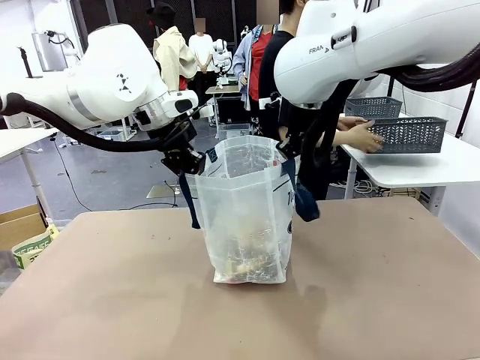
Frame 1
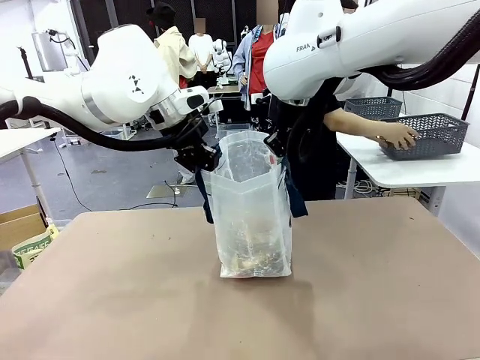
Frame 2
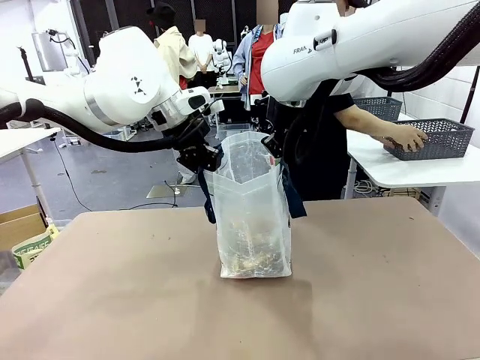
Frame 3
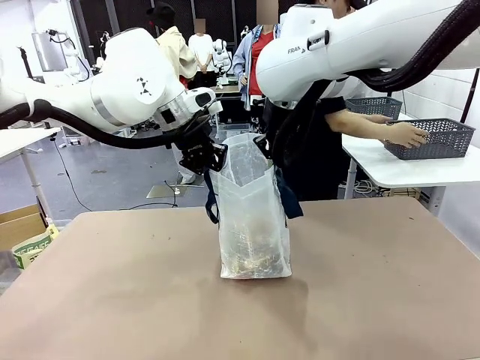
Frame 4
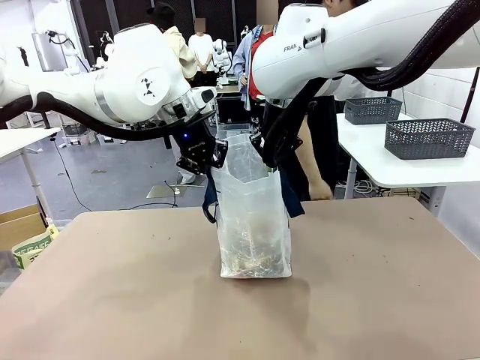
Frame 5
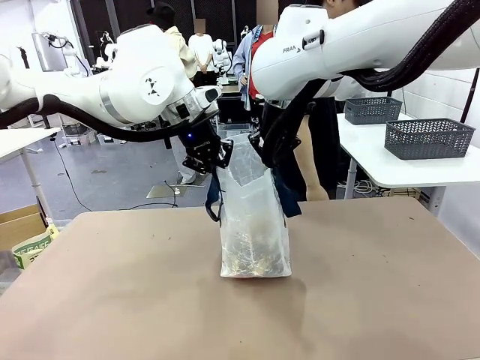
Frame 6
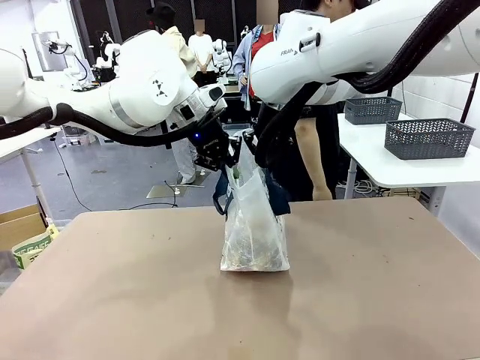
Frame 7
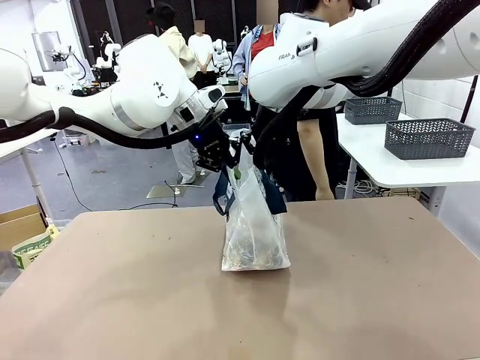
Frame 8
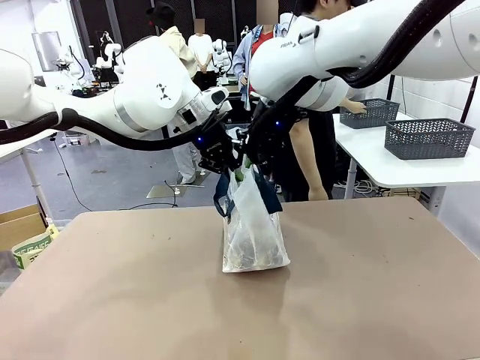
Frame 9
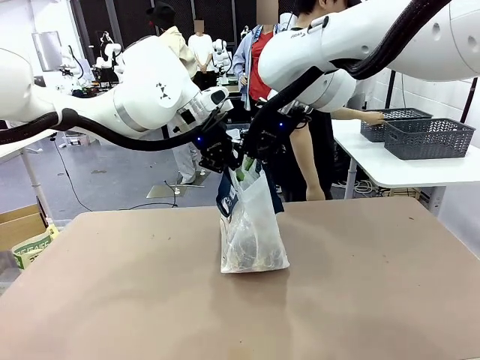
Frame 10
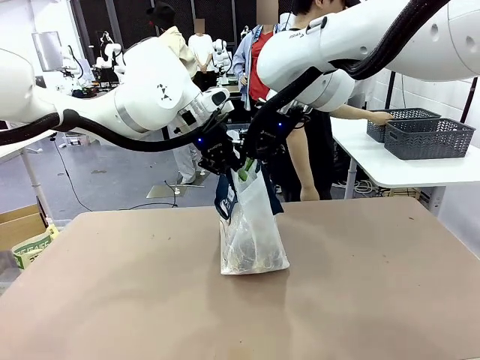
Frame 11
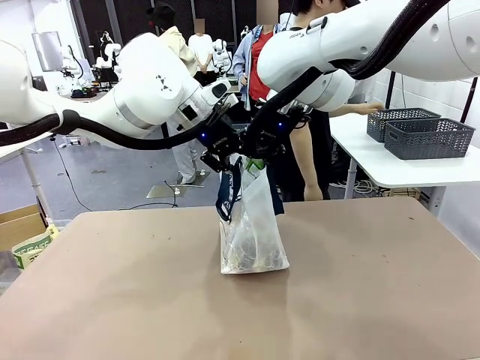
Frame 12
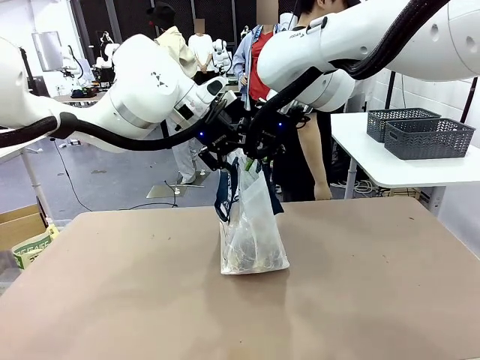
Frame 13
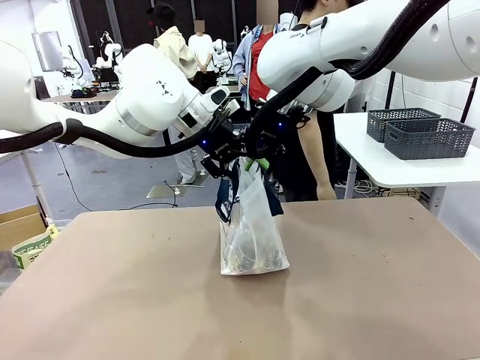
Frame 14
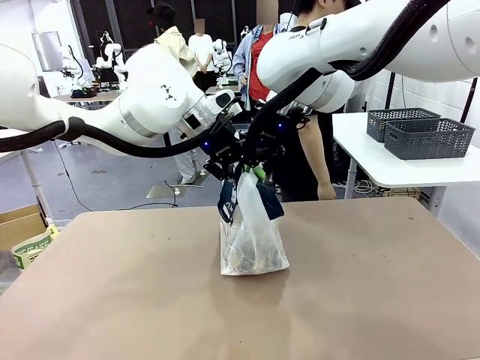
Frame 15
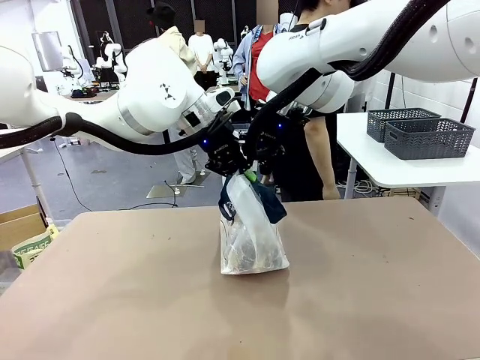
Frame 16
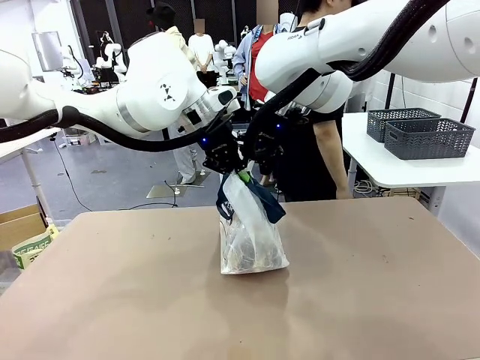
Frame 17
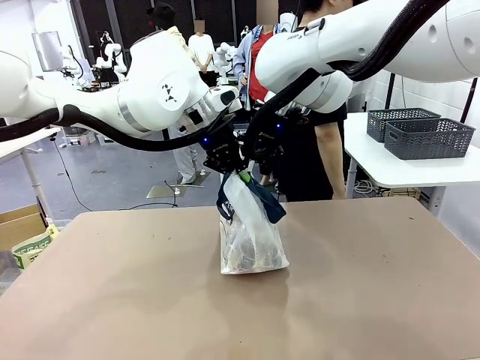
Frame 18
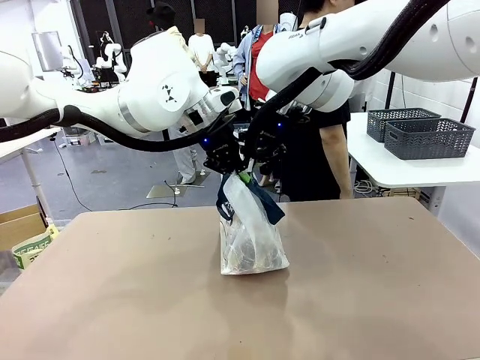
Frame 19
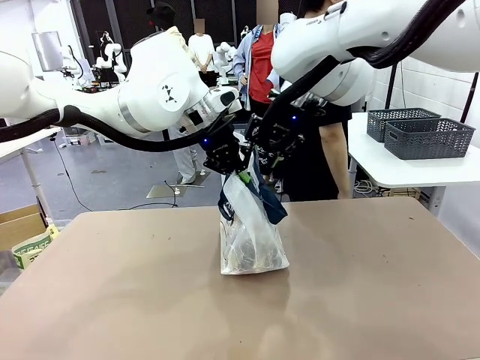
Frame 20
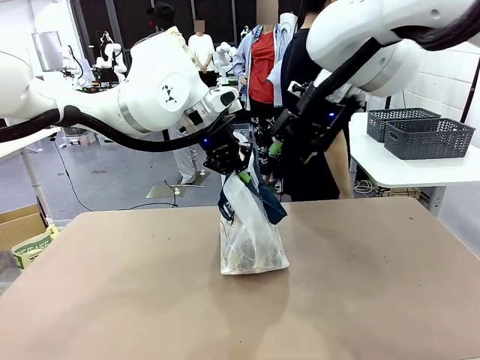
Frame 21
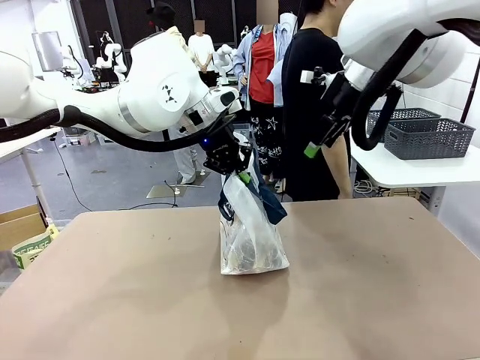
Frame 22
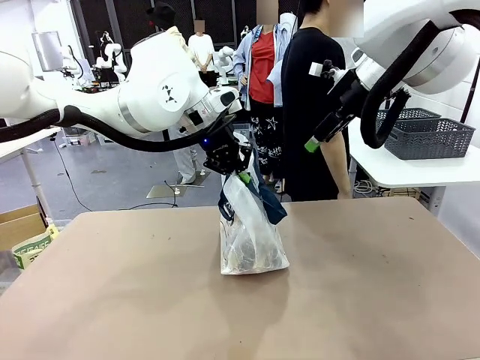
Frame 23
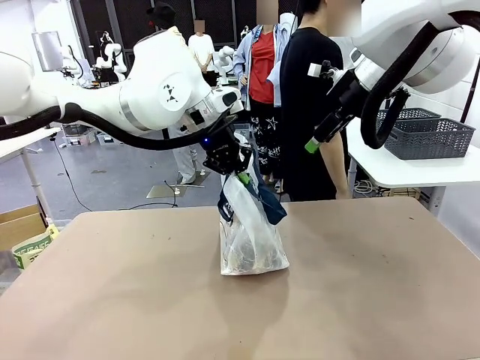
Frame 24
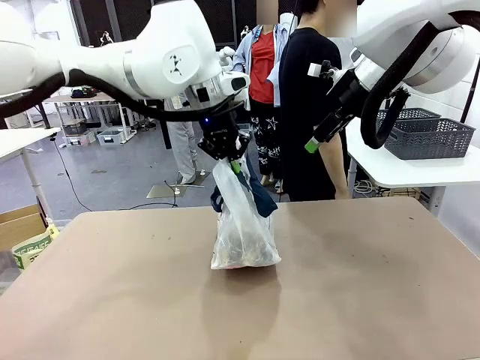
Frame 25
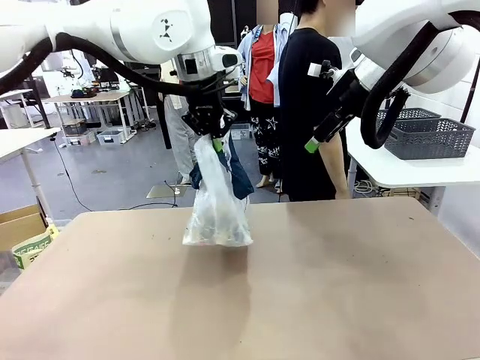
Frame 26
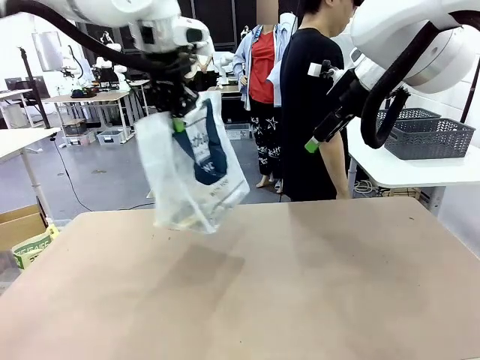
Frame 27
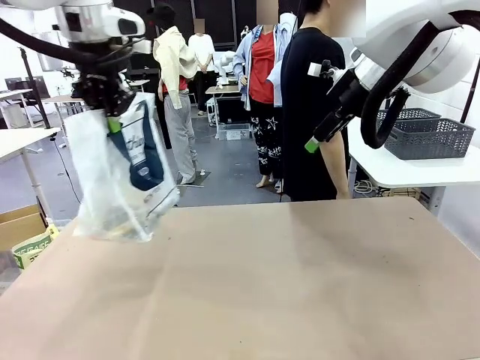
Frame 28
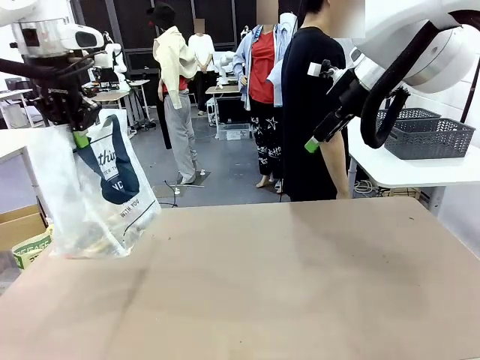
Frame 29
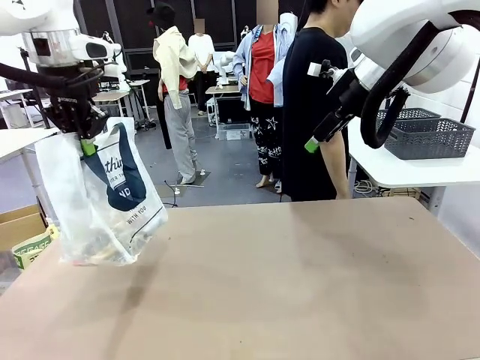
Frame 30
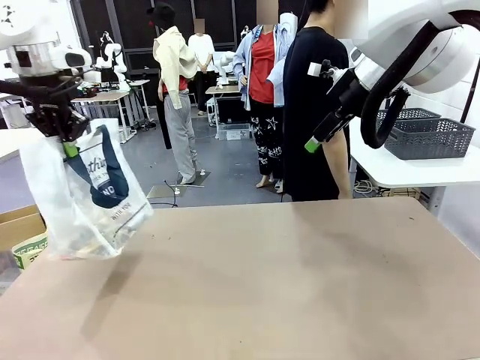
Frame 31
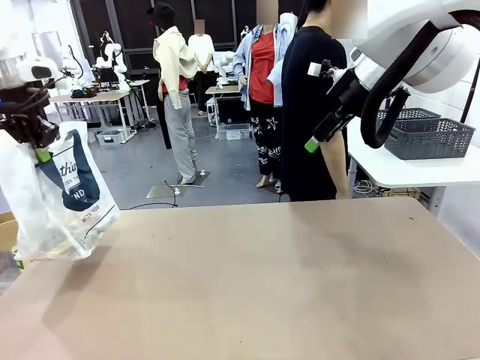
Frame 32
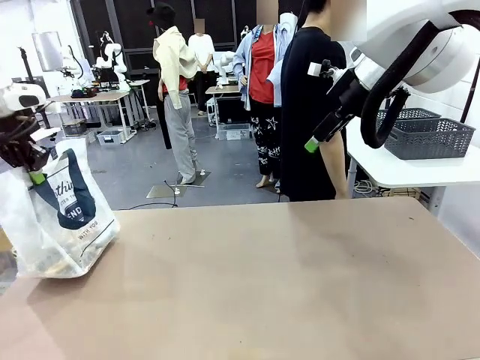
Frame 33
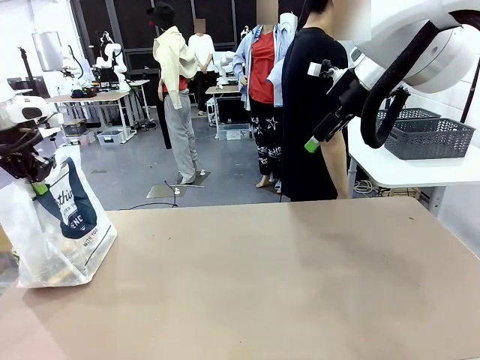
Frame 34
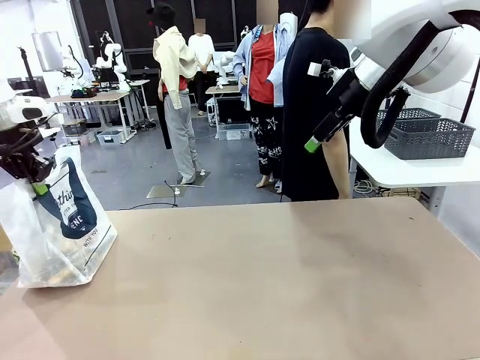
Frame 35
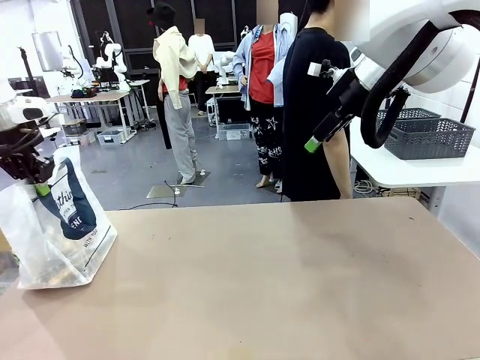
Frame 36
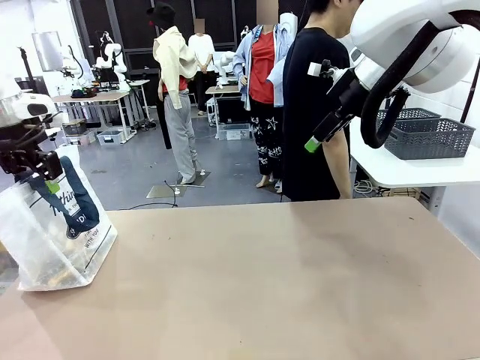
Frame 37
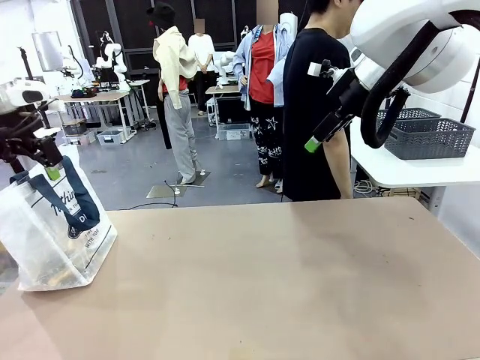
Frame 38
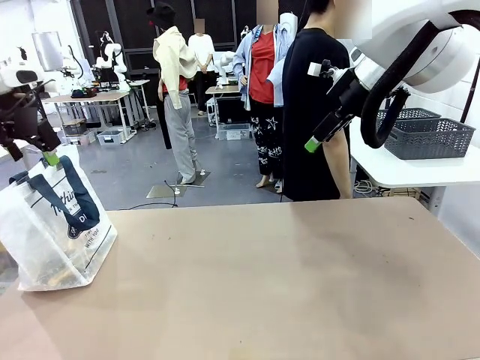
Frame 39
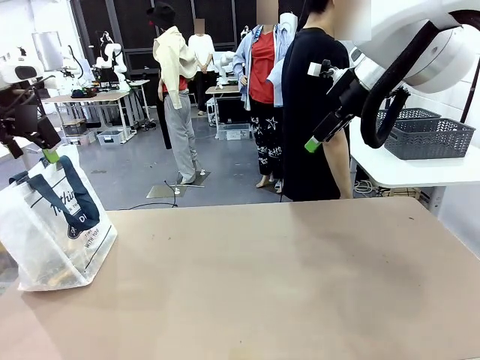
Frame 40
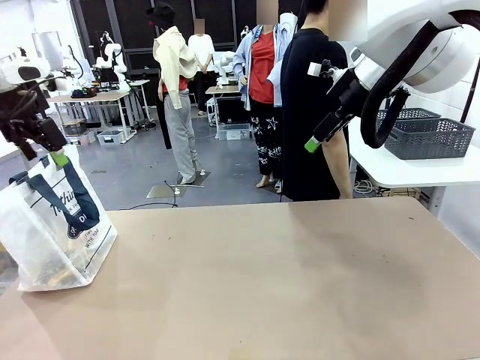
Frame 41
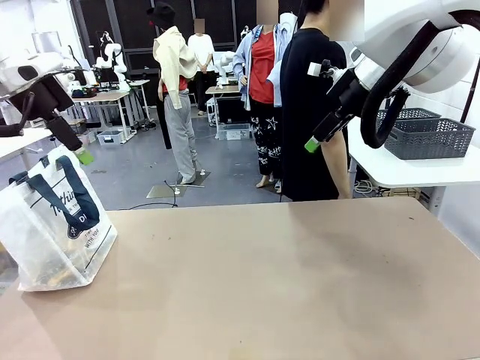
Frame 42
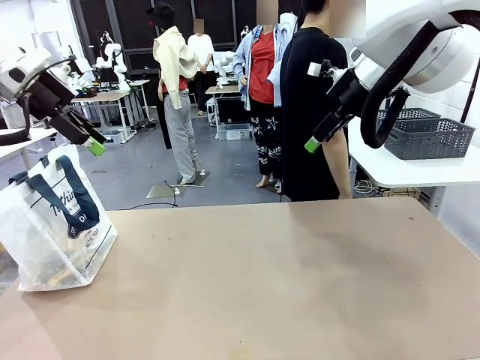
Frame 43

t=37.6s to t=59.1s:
Task: Transfer purchased items from the store into the shopping bag.
Robot: Move the Reusable shopping bag to the right side of the table.
Person: Pick up the basket with the items out and place it on the right side of the human table. Move the basket on the left to the middle of the person's table.
